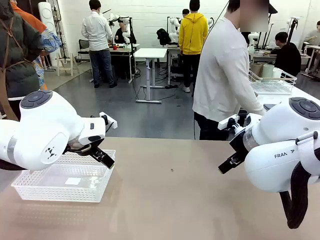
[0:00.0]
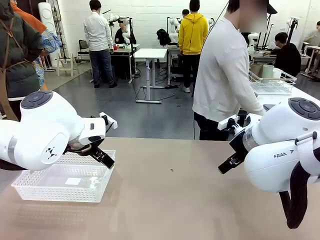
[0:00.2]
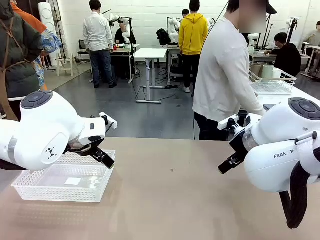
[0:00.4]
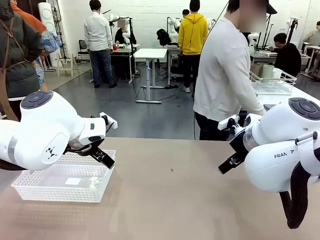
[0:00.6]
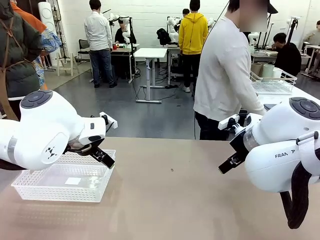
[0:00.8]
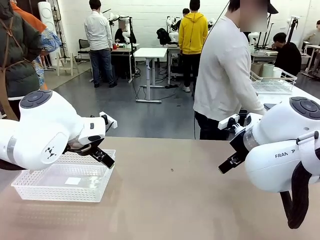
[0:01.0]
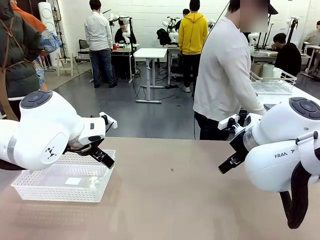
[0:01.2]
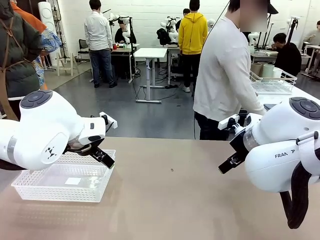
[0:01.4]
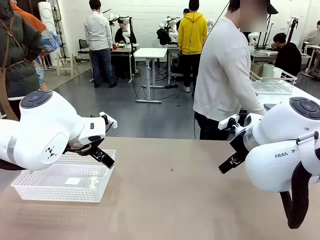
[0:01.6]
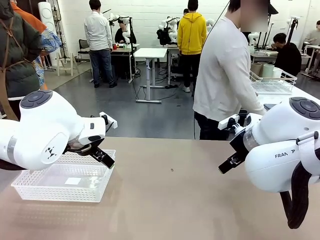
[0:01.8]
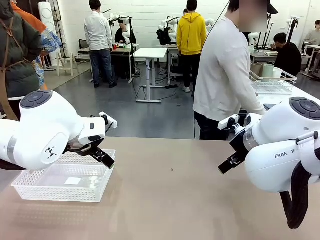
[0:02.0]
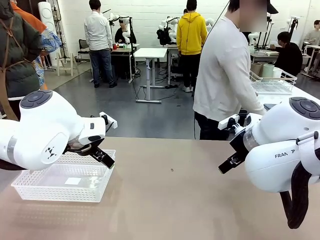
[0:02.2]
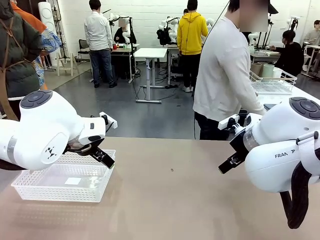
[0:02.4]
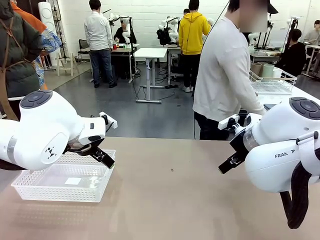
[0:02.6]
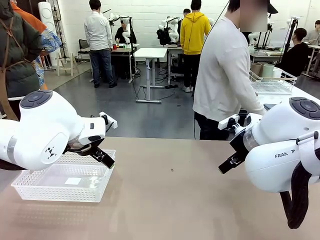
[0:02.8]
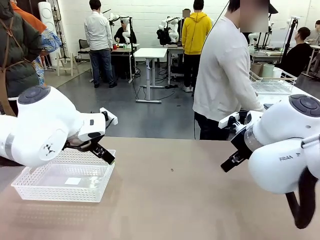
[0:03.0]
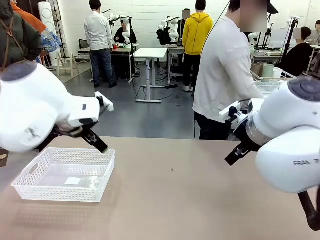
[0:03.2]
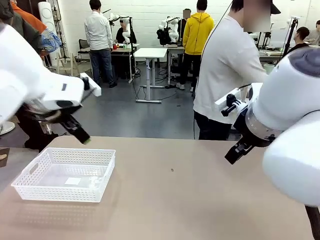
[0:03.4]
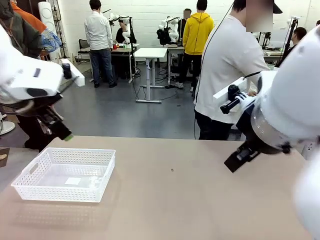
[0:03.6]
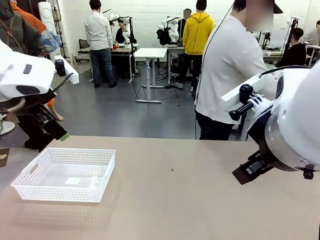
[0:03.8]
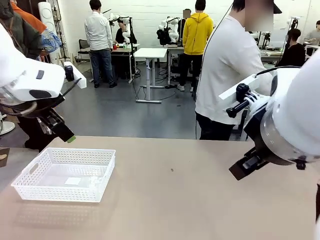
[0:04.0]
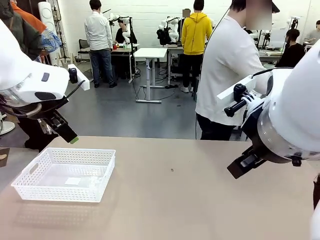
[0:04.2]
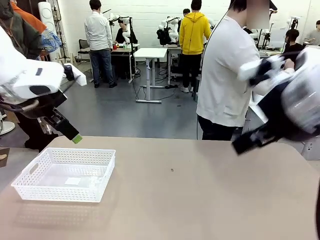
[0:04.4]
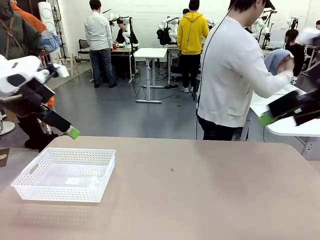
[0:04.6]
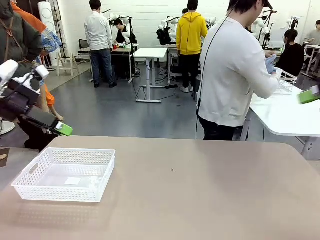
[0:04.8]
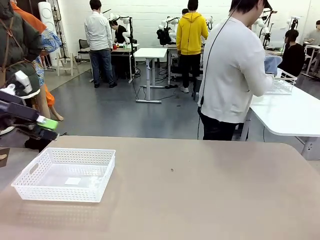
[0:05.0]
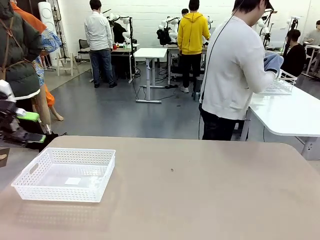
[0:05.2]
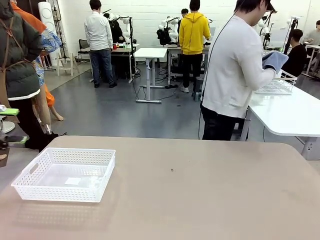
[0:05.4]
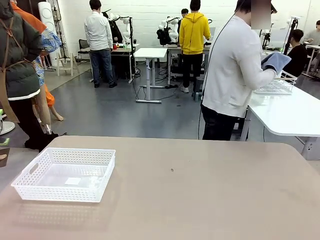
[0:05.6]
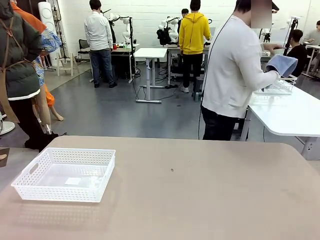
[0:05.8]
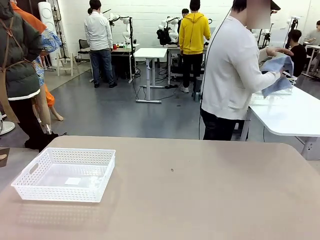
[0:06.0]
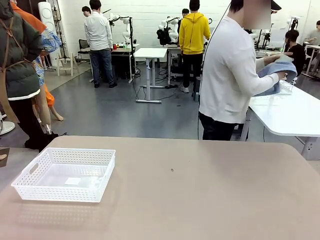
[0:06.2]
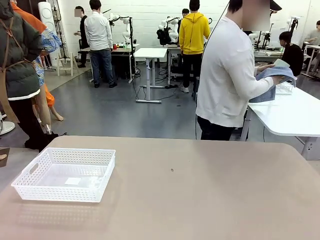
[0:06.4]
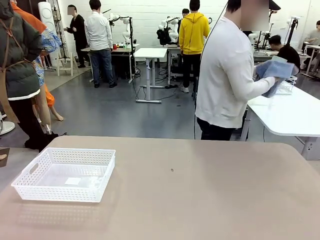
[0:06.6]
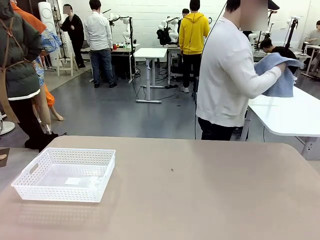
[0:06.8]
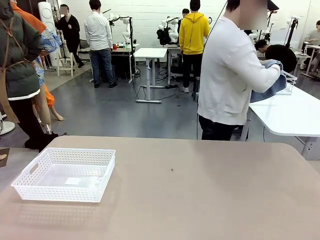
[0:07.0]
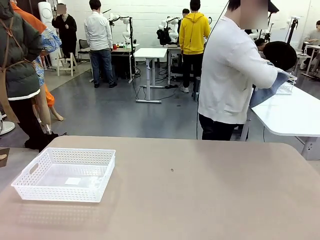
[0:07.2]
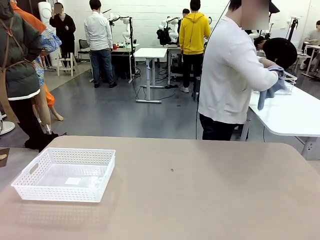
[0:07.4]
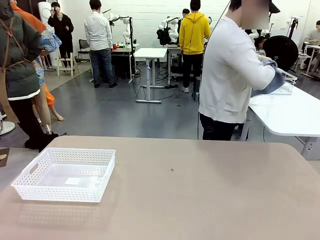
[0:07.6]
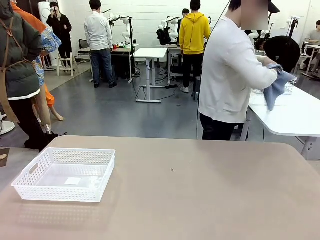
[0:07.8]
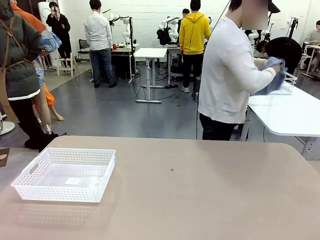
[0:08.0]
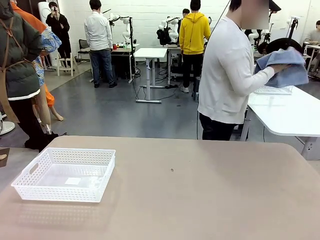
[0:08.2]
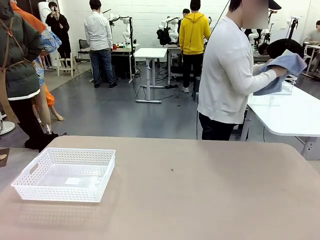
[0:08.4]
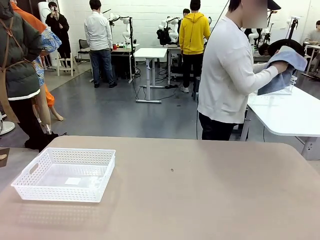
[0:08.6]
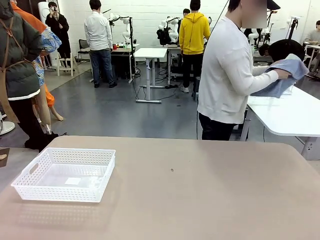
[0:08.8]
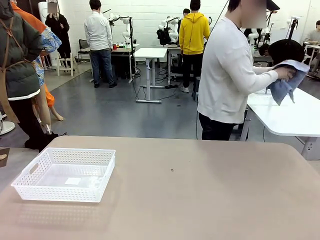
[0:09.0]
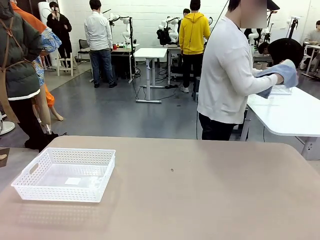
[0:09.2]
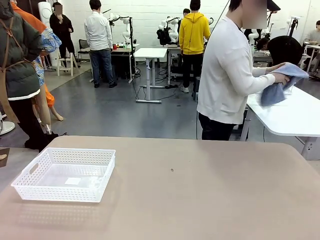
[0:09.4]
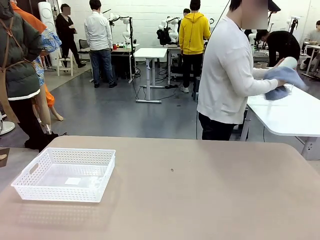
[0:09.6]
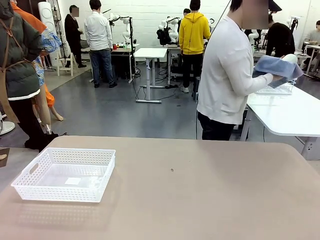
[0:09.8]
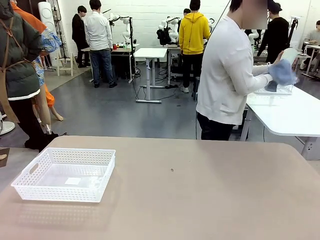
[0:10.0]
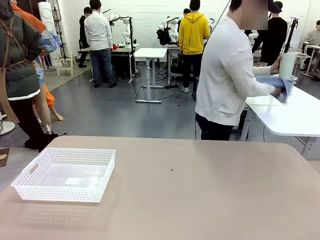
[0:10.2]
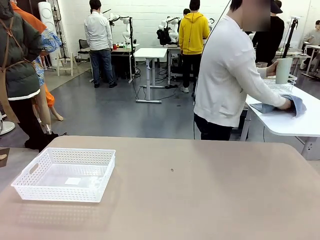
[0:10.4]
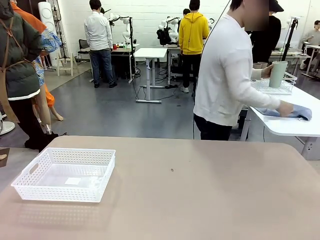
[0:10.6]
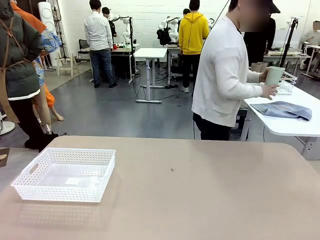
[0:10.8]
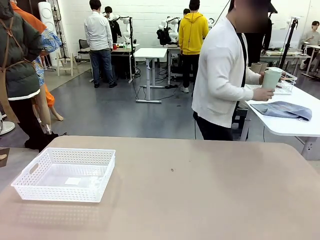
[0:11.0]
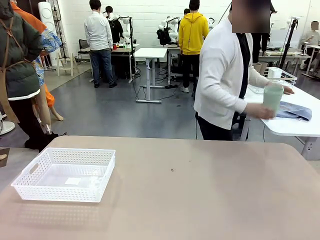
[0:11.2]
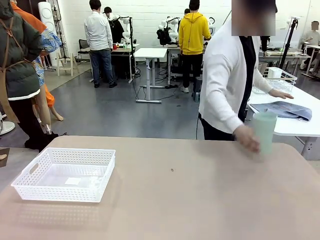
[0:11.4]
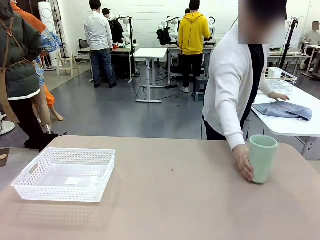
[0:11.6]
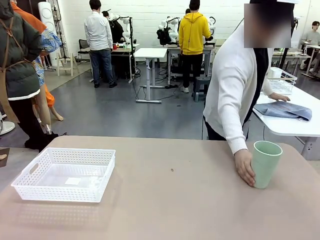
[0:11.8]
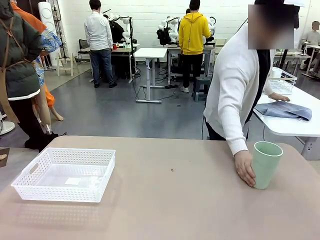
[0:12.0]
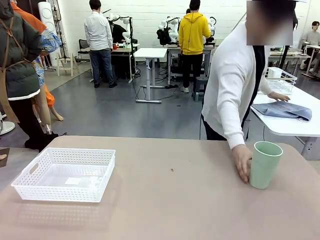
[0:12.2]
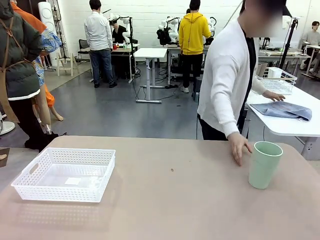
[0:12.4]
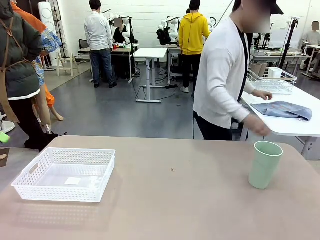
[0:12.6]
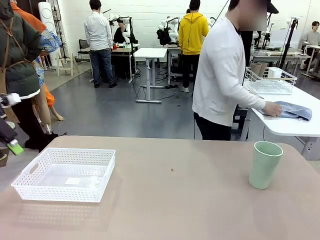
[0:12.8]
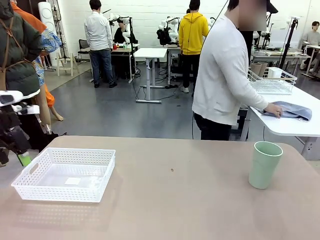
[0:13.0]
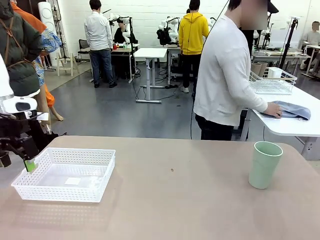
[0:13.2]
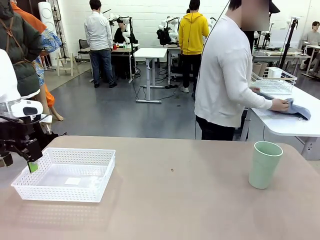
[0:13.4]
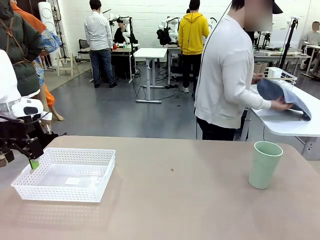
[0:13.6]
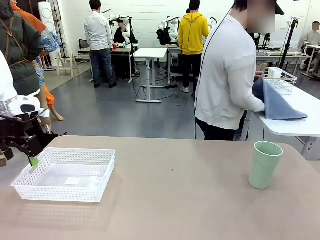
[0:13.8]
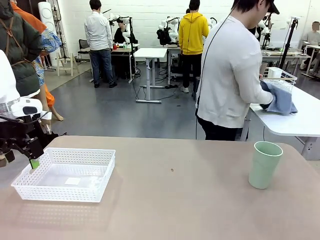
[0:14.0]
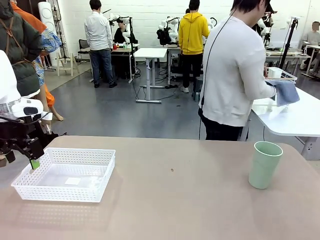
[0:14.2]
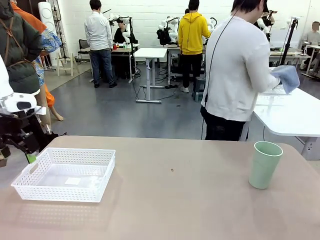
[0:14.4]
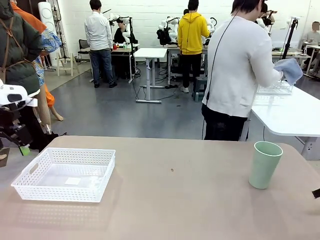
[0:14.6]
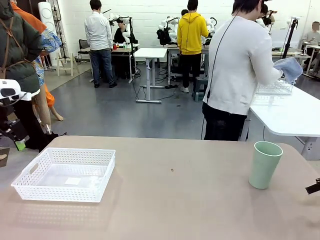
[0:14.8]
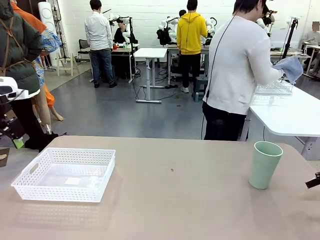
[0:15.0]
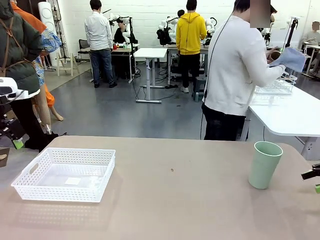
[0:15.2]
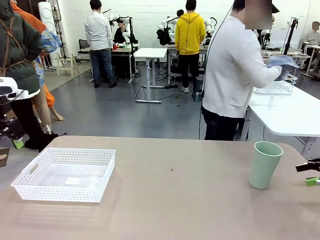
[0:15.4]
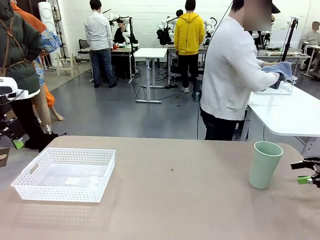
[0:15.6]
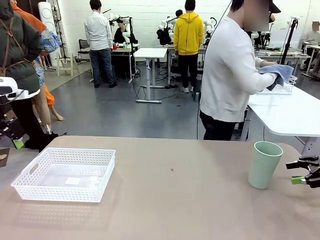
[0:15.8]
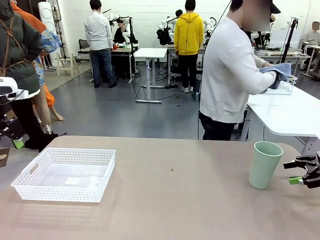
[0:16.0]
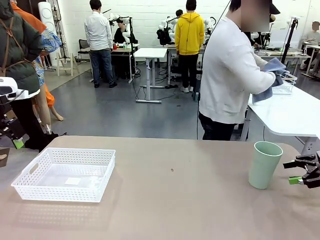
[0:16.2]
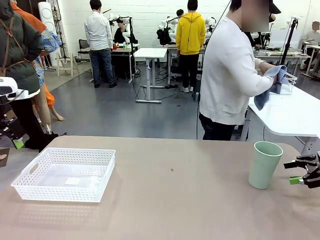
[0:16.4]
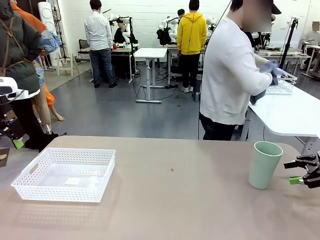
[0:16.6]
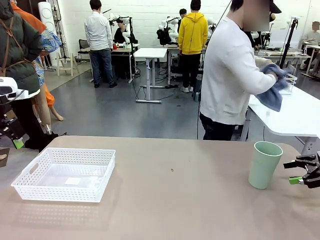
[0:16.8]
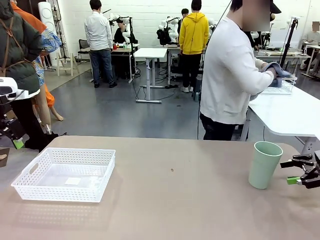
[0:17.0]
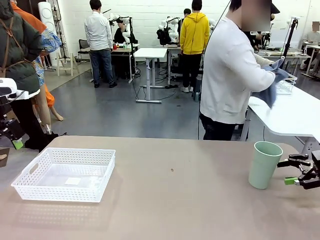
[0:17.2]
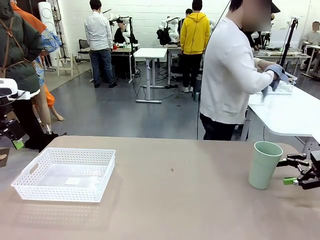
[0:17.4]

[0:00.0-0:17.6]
Task: Clean and organize the cups into the basket.
Robot: Pick up the Organizing basket and move it to the center of the table, then pick up the Reusable plastic cup from the right side of the table and place it inside the Organizing basket.
Person: Picks up a cup and a towel, cleans the cup with the towel, and places it on the left side of the robot table.
